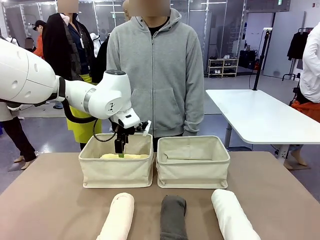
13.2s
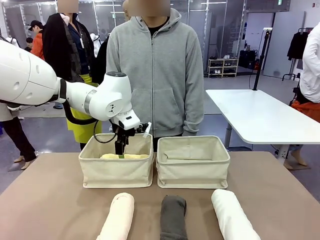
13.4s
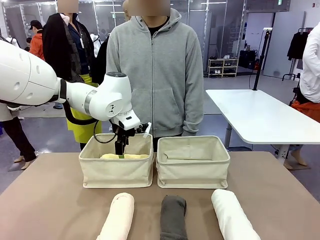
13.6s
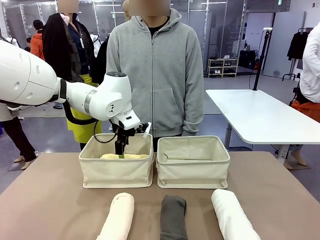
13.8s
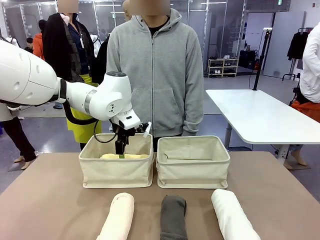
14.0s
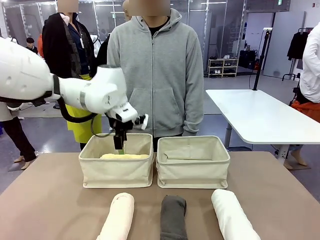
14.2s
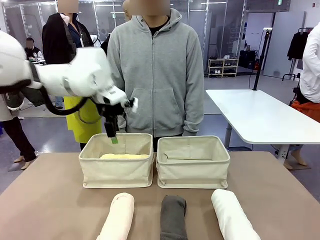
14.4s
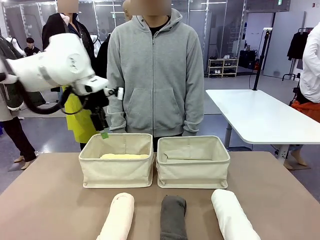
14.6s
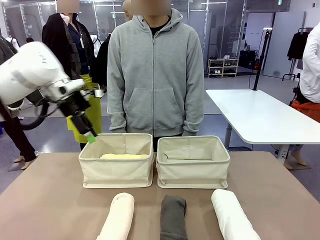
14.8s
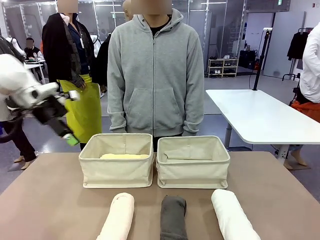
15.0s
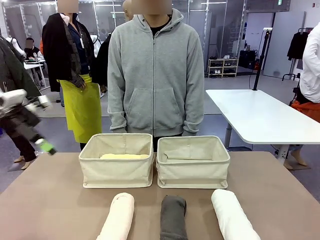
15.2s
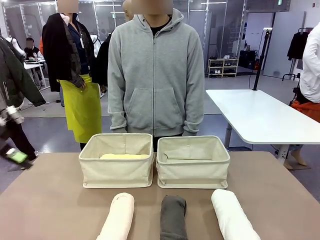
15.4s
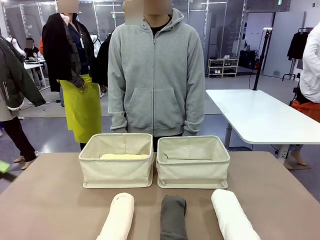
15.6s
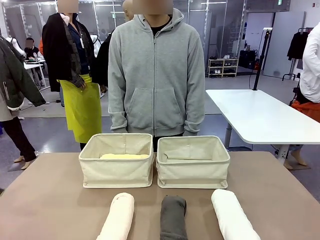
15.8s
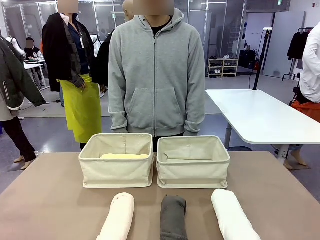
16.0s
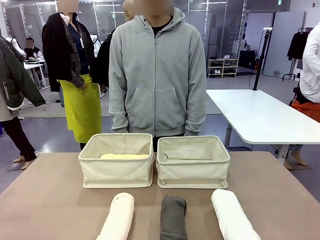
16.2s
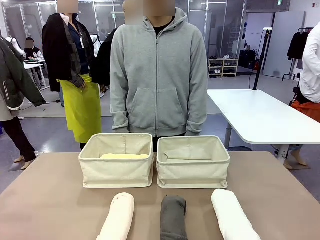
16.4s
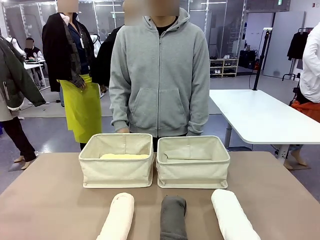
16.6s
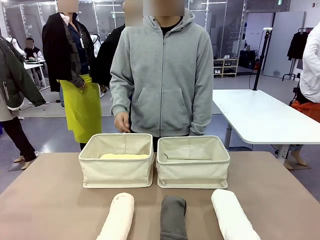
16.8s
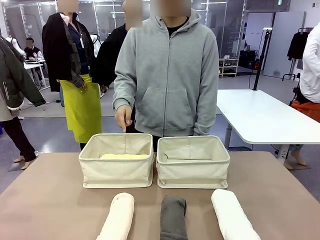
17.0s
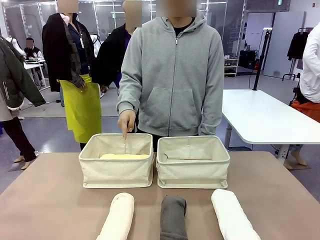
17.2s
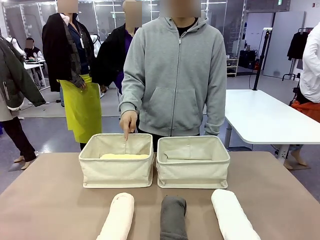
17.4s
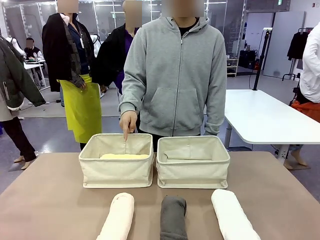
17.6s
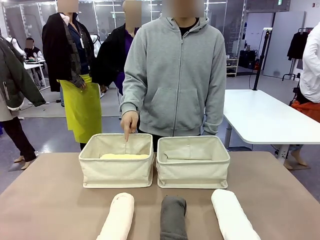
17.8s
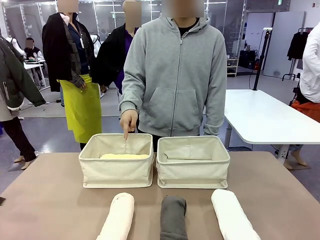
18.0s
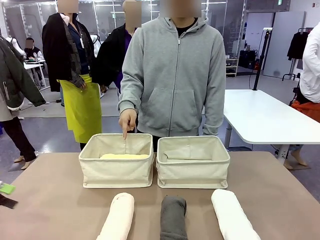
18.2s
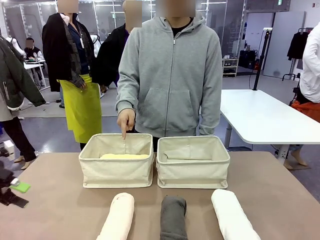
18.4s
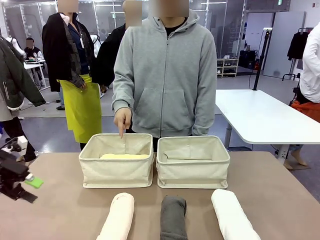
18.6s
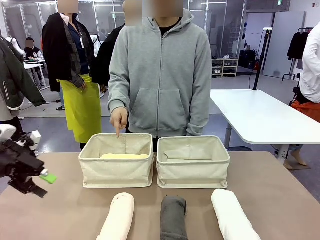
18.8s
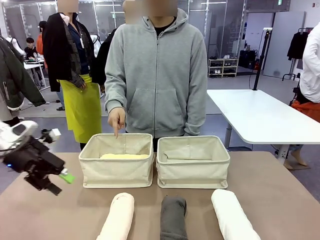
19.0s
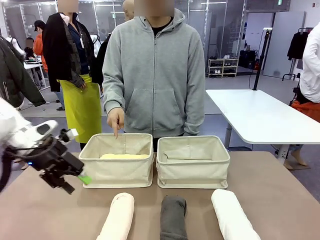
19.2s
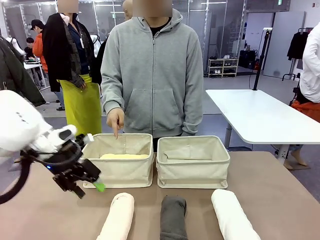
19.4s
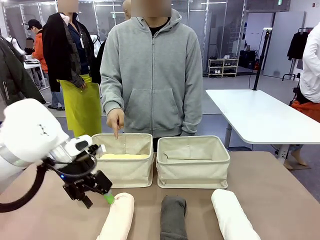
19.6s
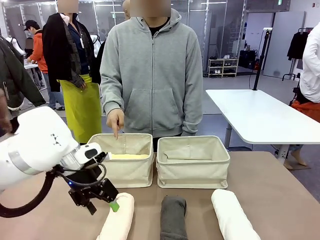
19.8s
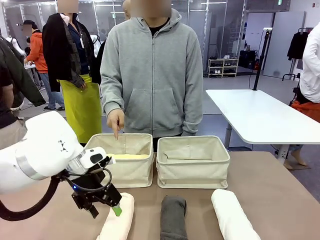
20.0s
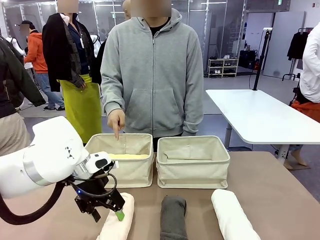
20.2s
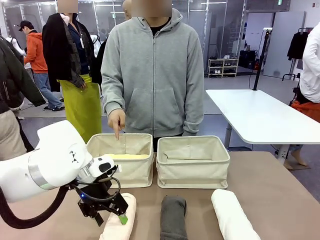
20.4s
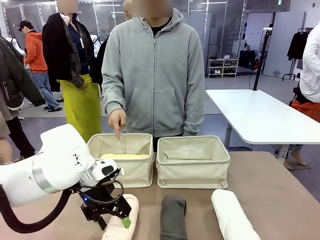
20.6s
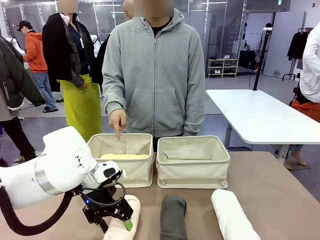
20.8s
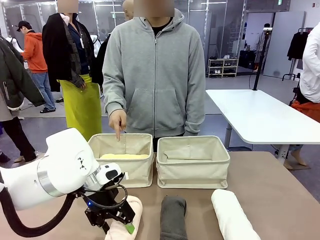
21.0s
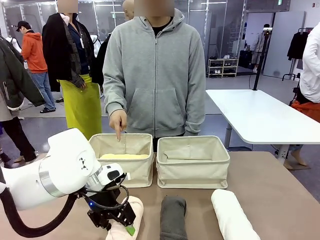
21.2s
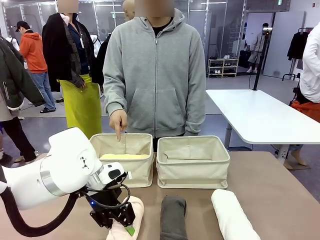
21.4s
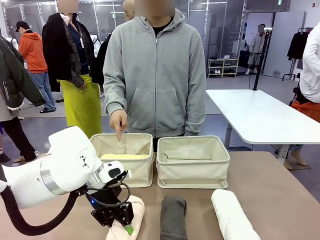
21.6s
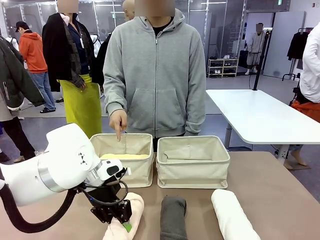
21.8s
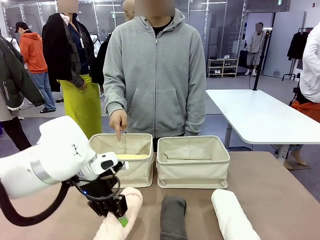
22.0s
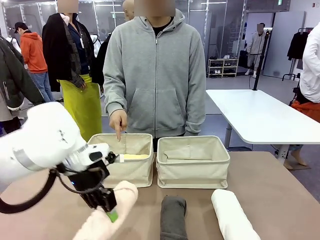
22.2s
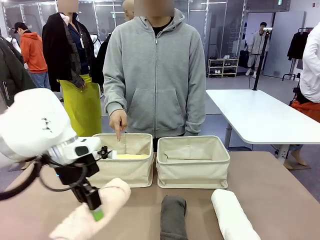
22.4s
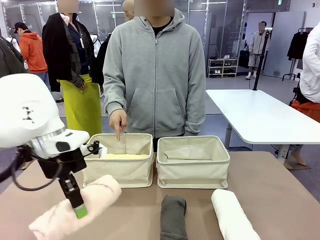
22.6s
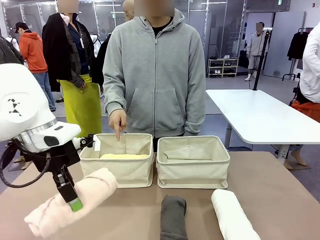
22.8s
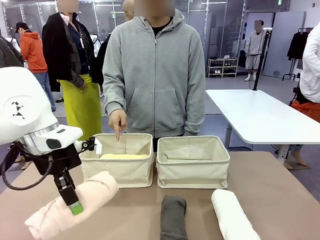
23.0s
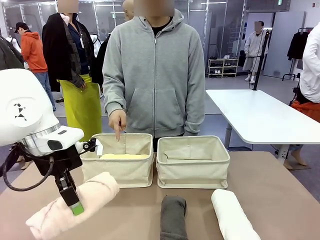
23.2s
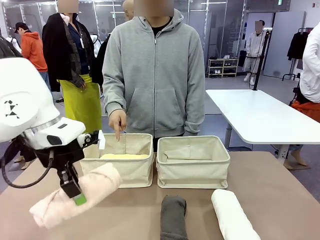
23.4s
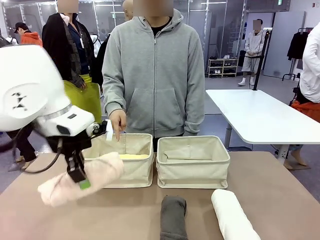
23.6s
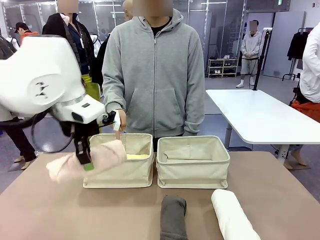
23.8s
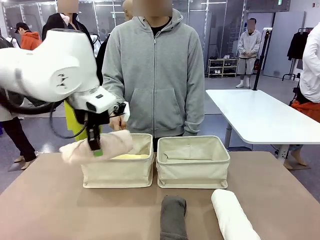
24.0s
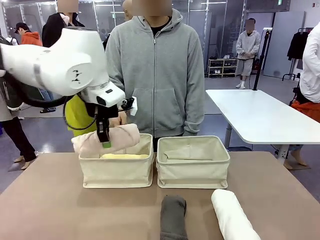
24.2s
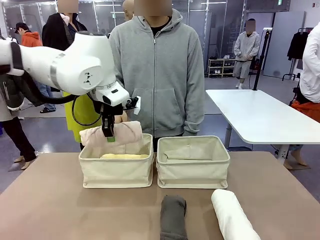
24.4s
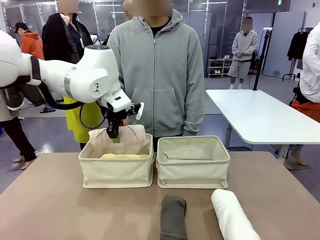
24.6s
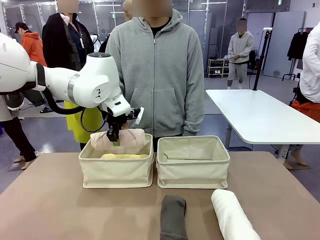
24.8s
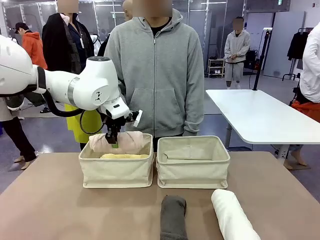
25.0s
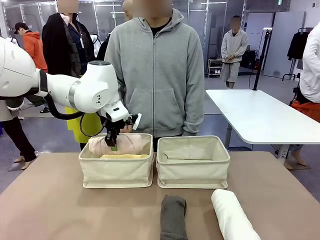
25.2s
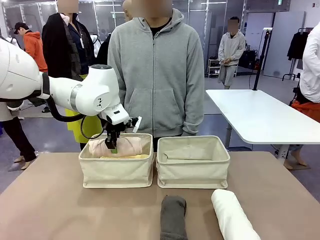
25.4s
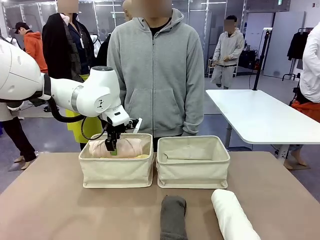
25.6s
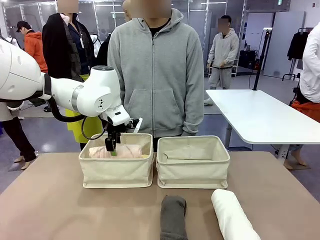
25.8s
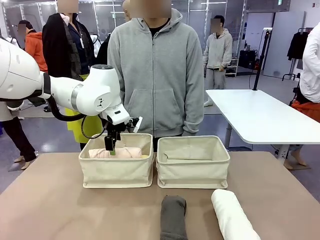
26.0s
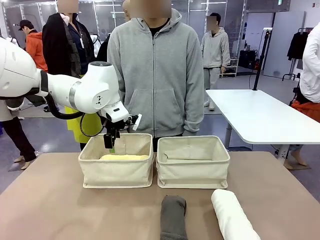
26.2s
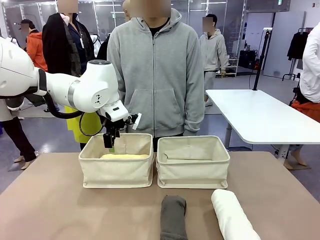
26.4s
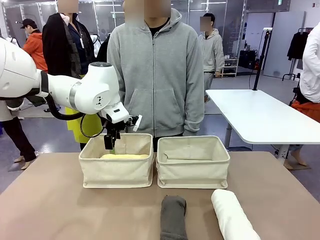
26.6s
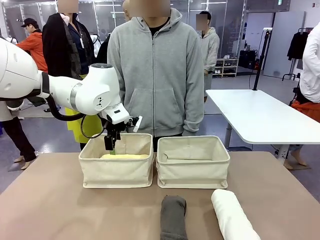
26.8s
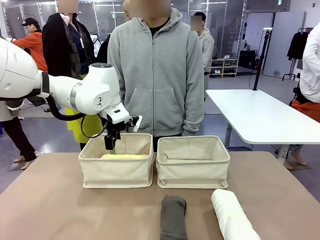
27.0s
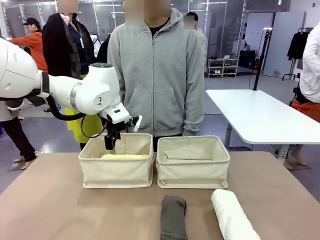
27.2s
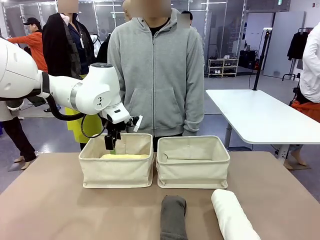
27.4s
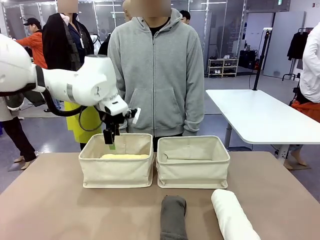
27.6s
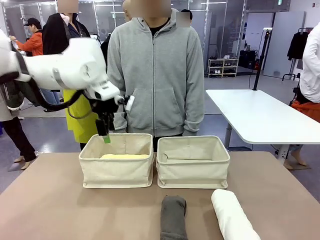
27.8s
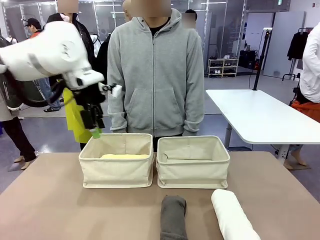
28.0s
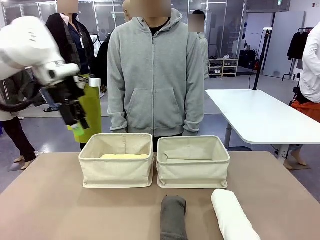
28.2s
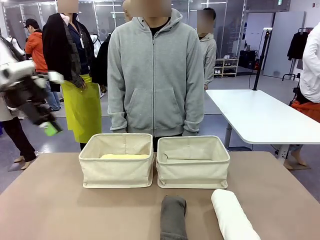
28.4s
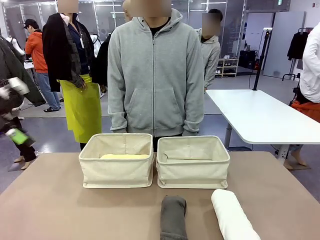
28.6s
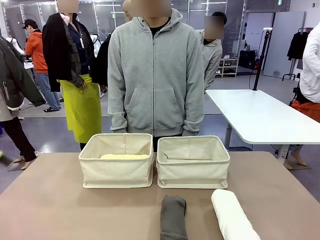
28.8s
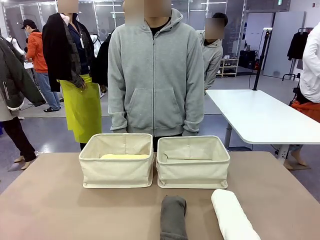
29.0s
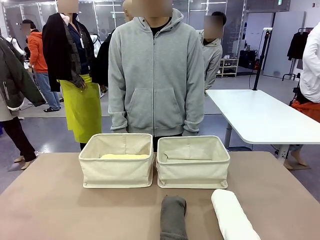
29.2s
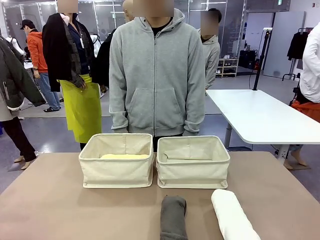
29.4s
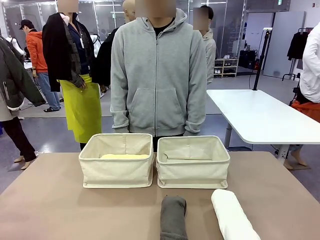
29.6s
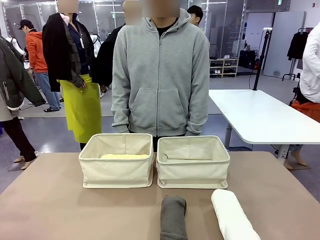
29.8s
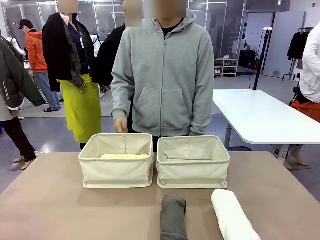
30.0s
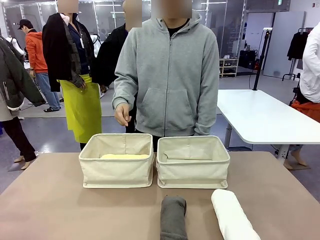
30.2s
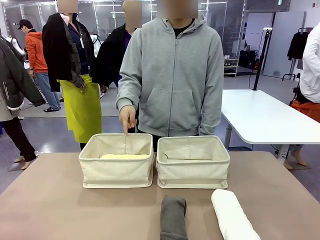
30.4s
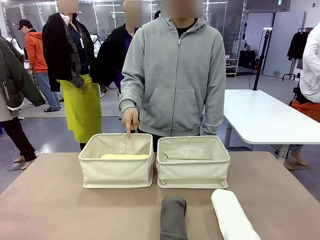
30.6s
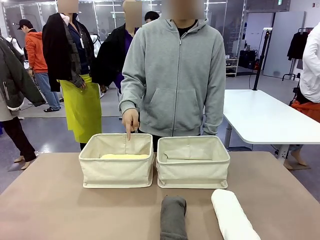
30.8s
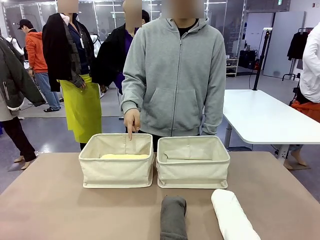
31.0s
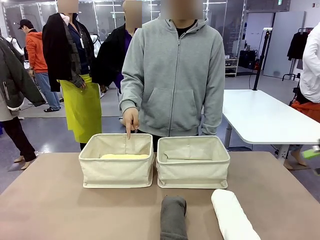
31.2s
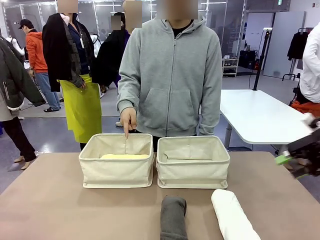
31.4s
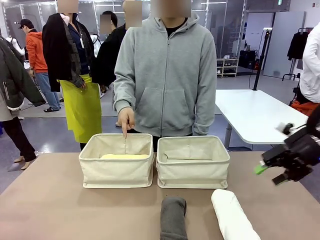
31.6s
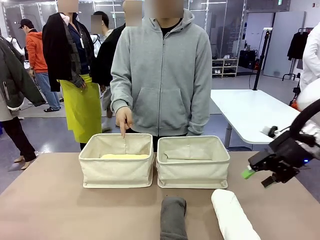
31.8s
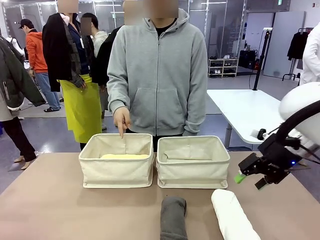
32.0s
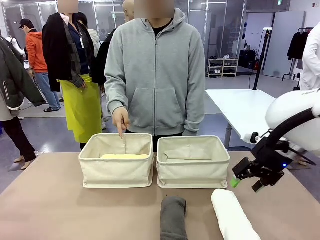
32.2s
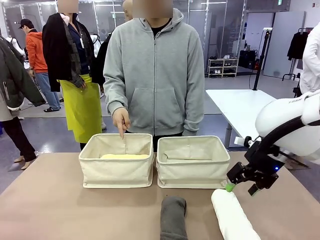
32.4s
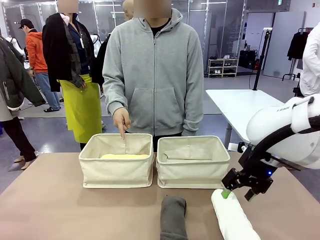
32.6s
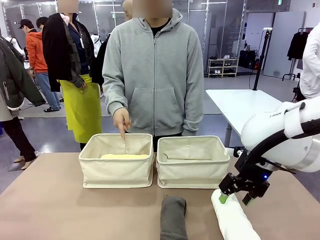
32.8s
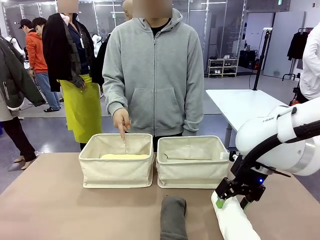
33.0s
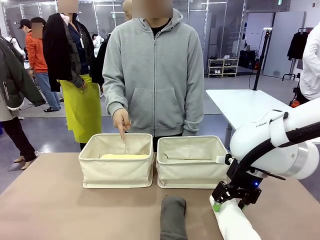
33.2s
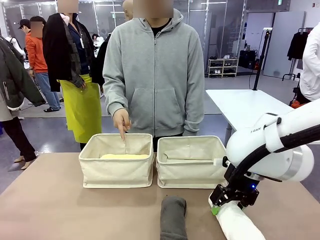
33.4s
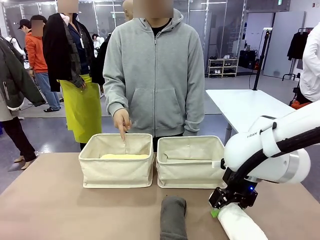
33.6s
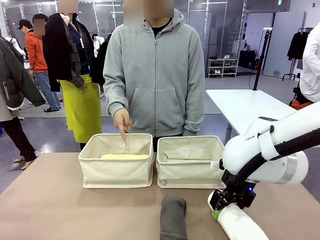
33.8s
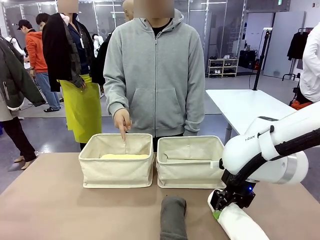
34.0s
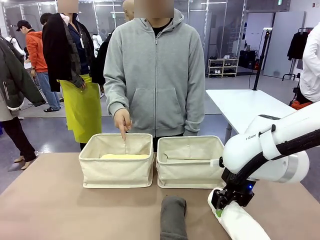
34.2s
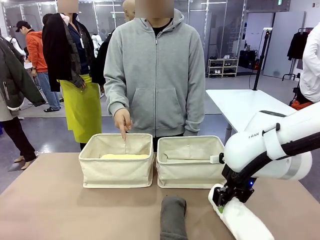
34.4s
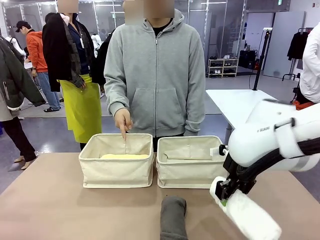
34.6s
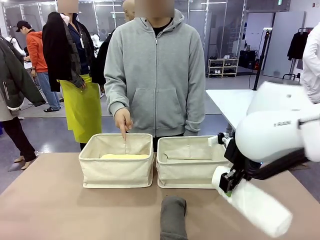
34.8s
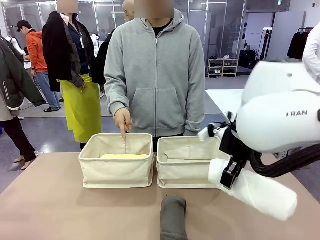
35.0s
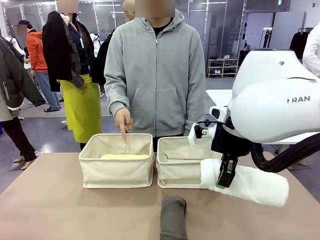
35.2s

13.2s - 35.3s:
Task: Divide the towels into two baskets.
Robot: Pick up one hotel-folded towel from the bottom of the table and place it in the Fabric basket indicated by the person.
